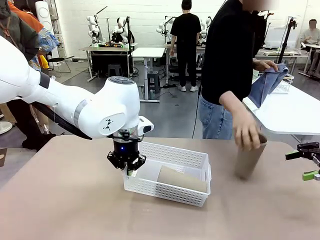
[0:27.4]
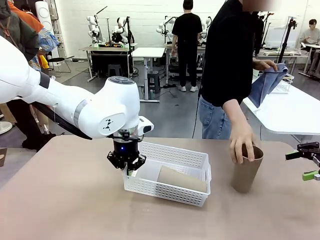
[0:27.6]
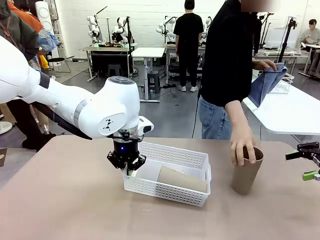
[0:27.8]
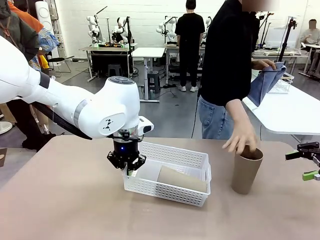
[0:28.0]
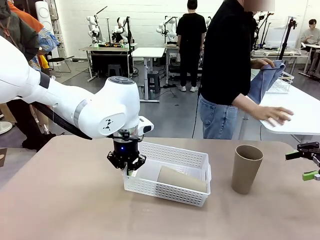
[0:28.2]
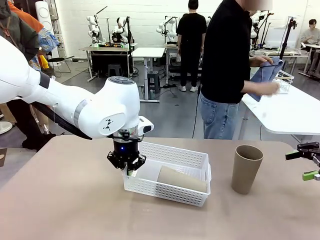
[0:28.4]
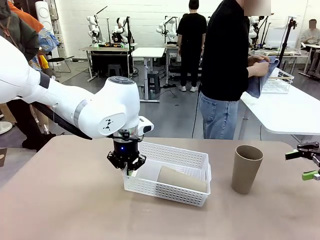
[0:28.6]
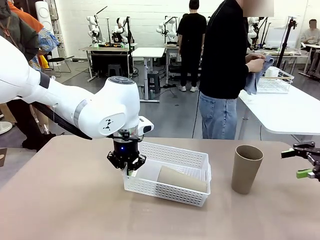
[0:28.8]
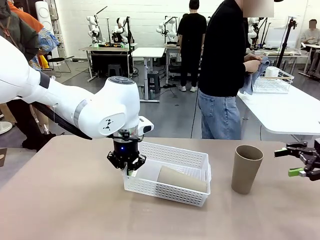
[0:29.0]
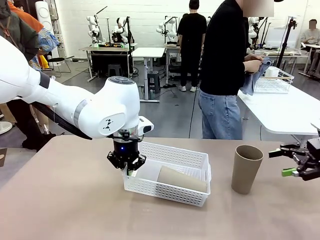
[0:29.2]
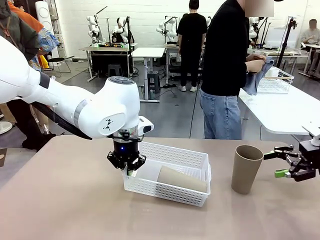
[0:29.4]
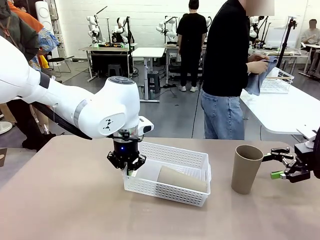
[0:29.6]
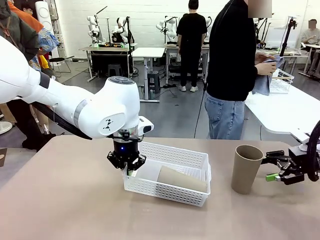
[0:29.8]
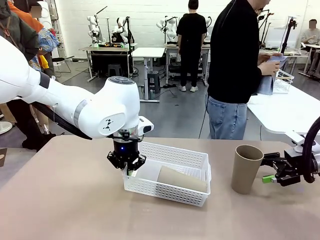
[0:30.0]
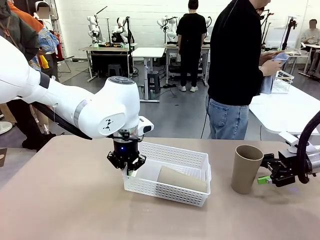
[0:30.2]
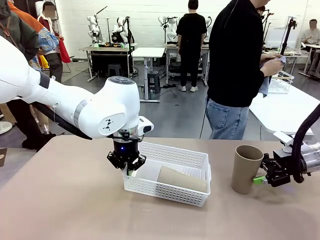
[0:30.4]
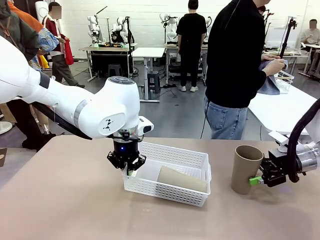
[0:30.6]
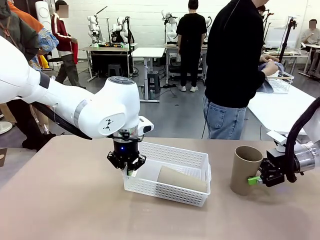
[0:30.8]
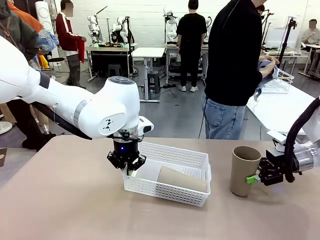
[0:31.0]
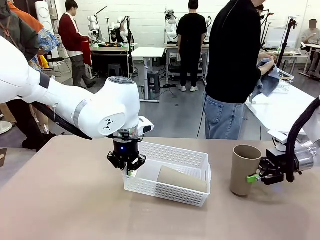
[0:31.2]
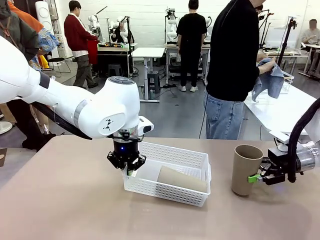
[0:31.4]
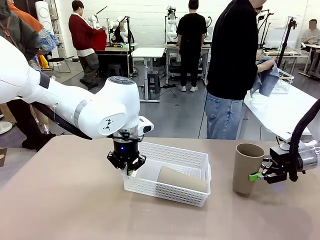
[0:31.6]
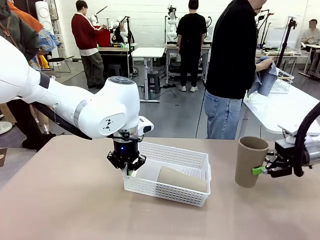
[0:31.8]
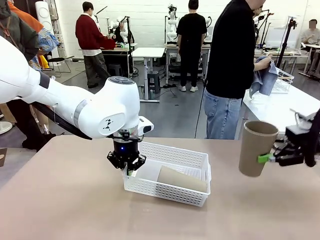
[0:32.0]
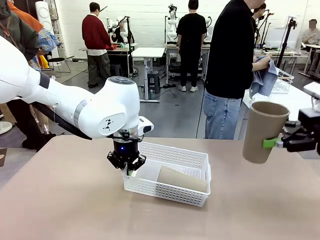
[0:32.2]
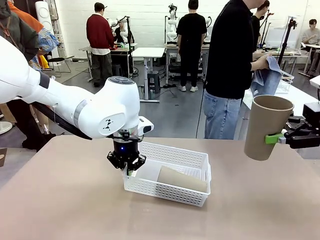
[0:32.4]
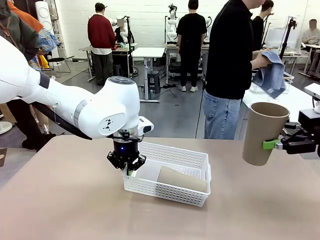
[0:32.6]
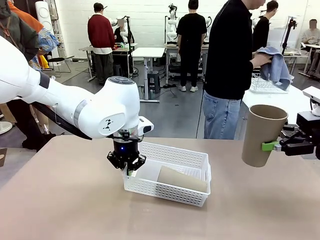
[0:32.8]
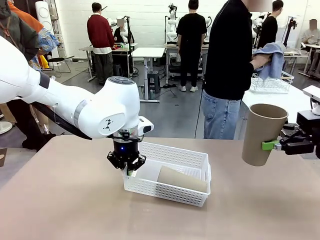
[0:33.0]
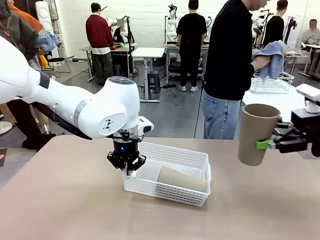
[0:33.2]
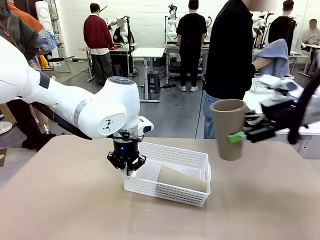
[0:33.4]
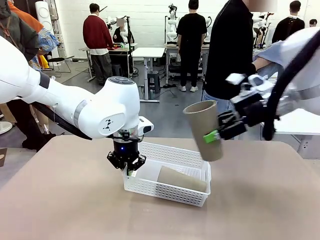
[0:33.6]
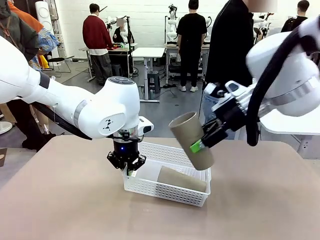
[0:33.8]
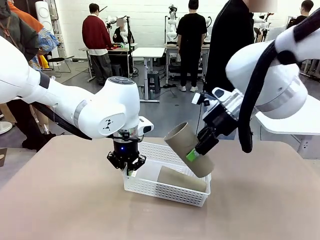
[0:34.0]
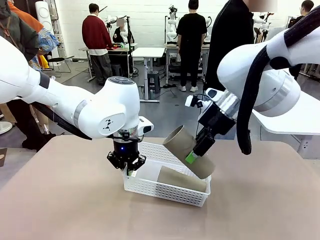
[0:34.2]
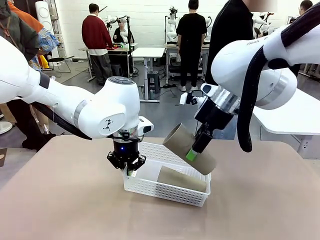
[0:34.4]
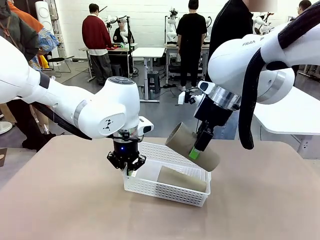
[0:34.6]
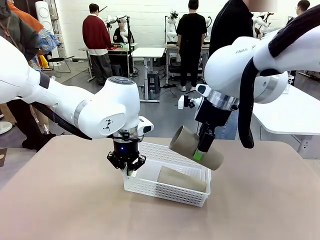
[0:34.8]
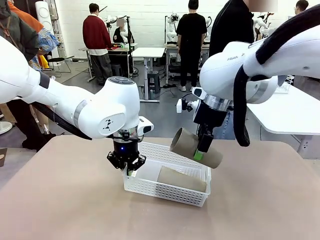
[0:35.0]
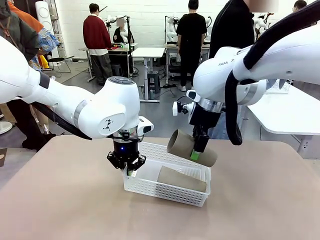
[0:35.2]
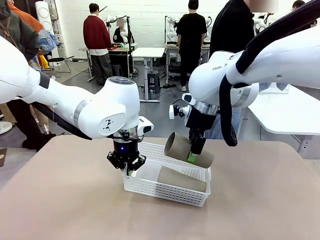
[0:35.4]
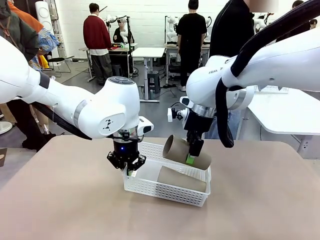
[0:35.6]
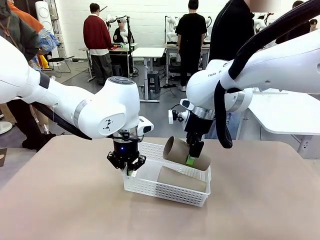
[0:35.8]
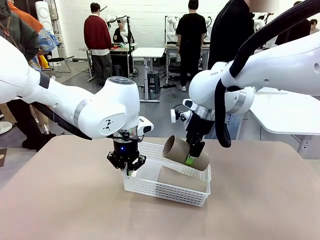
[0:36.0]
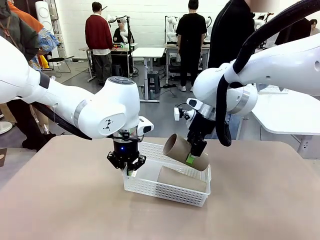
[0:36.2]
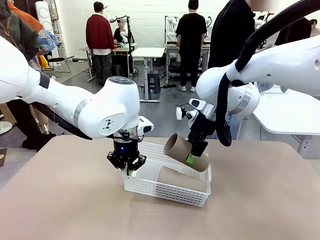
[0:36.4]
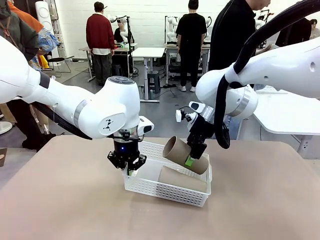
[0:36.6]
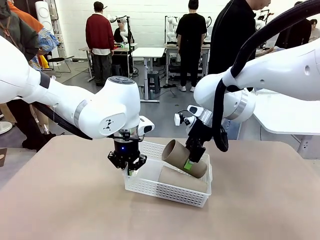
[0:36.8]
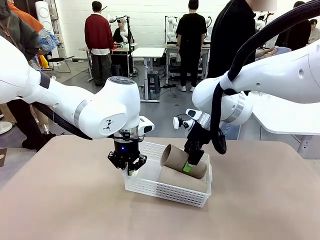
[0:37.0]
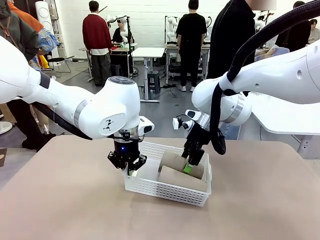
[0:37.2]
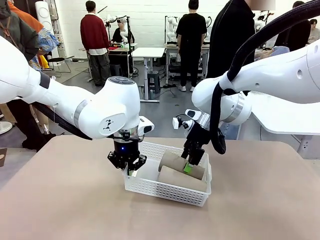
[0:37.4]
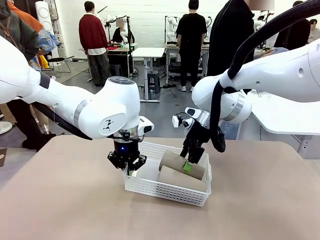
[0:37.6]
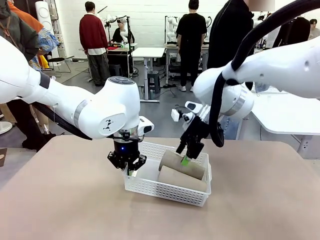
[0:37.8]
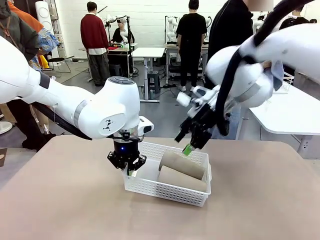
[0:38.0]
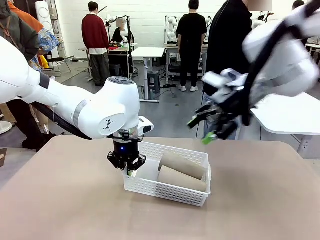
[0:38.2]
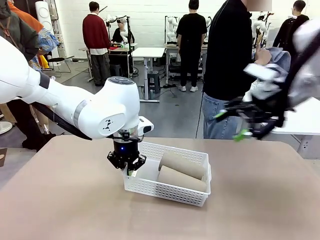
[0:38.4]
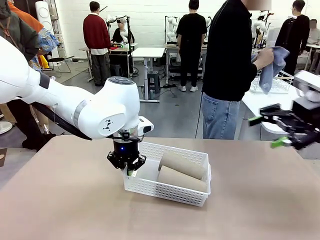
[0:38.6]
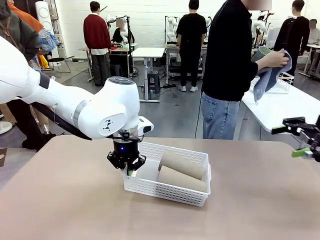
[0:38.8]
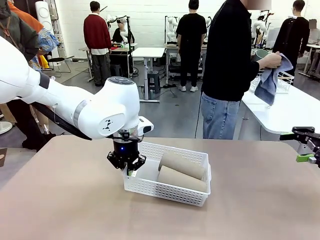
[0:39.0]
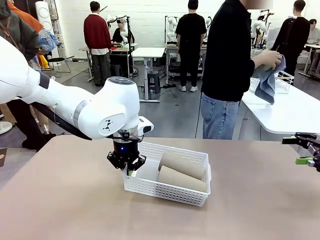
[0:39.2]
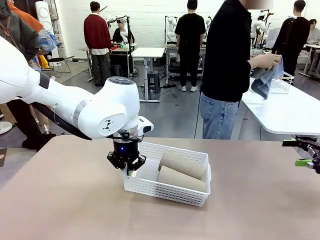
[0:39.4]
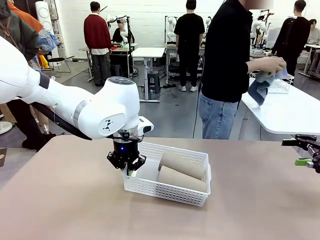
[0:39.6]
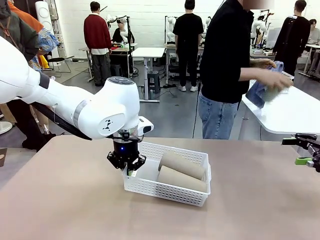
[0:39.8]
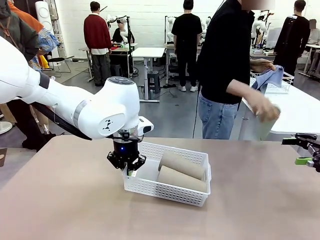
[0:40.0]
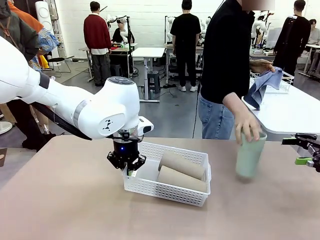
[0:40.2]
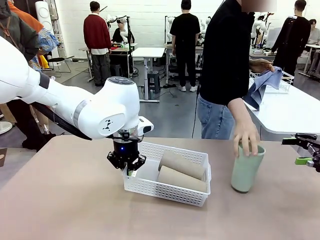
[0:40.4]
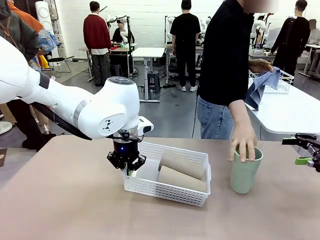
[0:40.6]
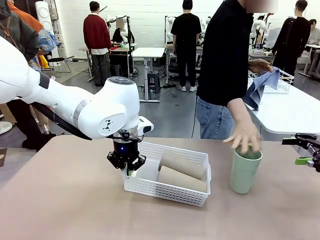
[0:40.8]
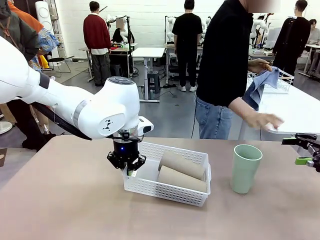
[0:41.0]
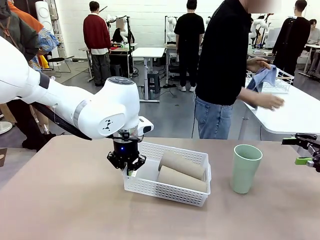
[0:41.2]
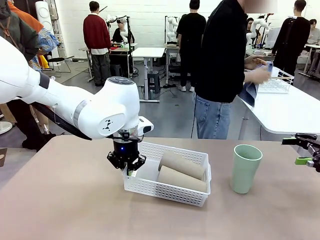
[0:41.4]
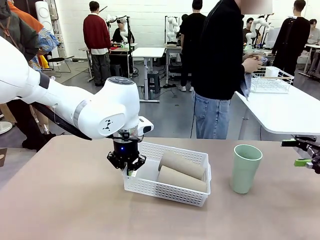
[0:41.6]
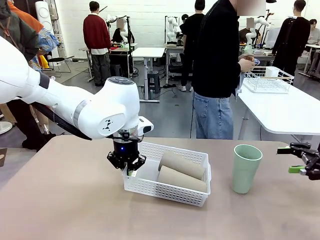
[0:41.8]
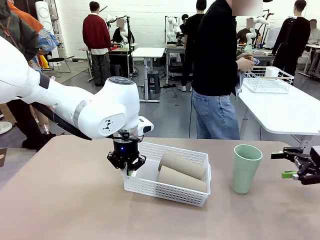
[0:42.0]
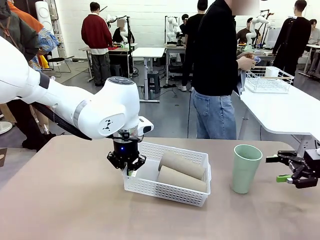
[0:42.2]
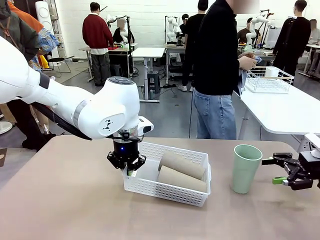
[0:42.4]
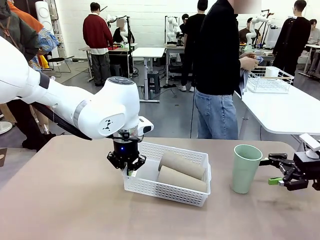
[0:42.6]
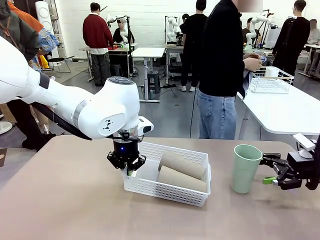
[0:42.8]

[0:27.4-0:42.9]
Task: Clean and organize the cups into the basket.
Robot: Pick up the Reusable plastic cup from the right side of the table and stack it inside the Organizing basket in the center of the table.

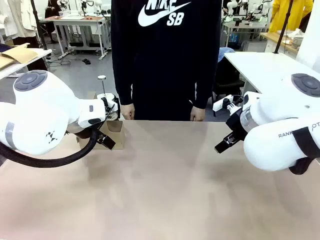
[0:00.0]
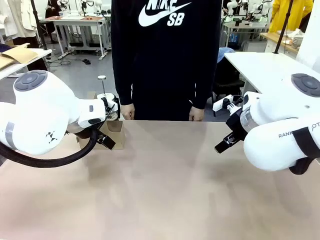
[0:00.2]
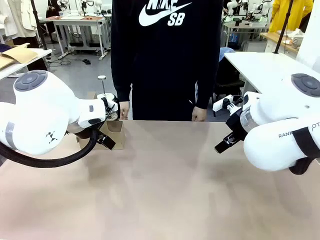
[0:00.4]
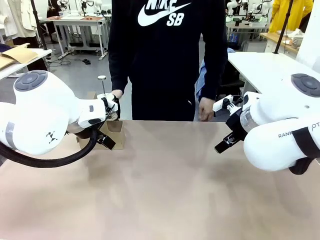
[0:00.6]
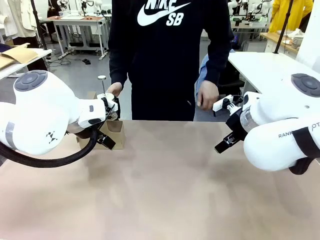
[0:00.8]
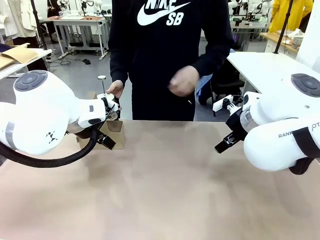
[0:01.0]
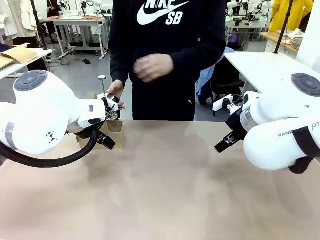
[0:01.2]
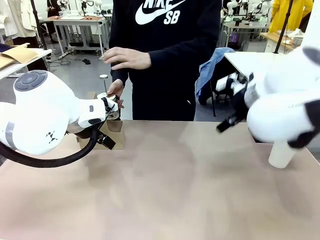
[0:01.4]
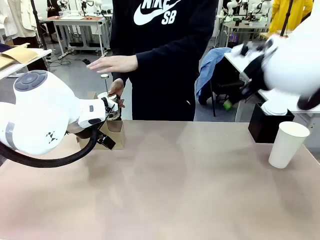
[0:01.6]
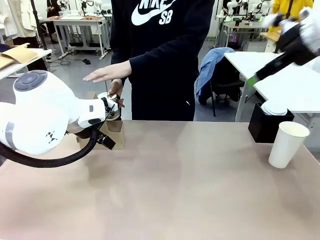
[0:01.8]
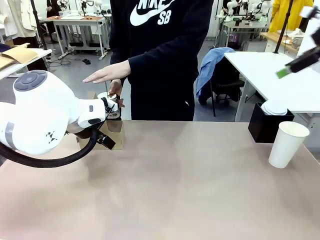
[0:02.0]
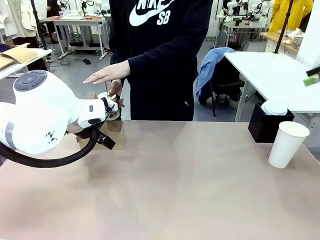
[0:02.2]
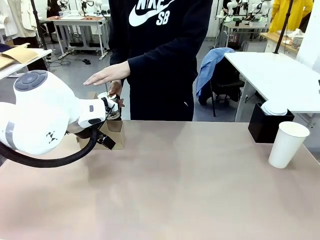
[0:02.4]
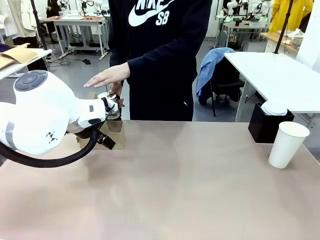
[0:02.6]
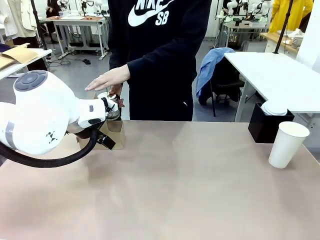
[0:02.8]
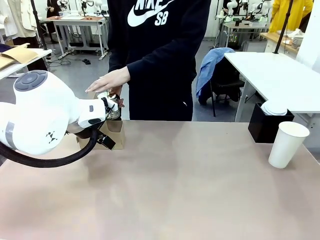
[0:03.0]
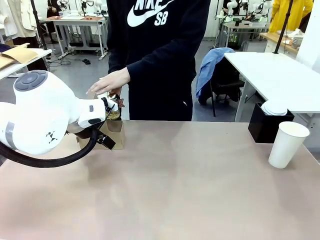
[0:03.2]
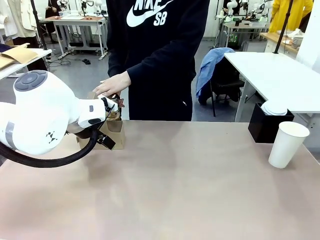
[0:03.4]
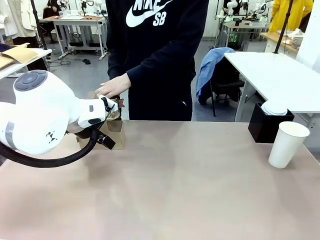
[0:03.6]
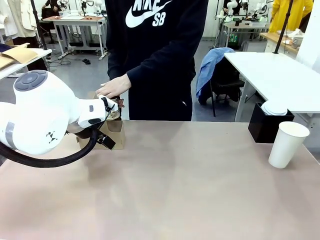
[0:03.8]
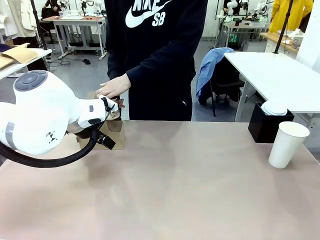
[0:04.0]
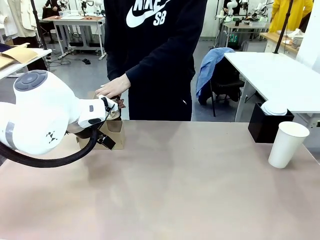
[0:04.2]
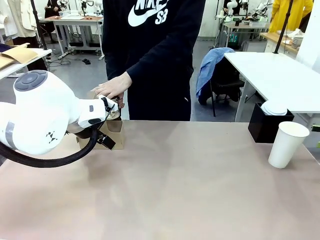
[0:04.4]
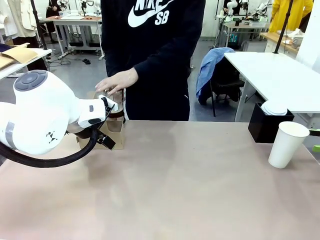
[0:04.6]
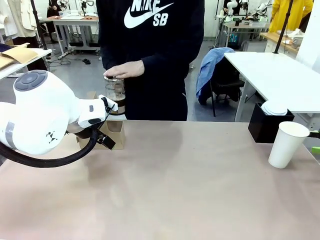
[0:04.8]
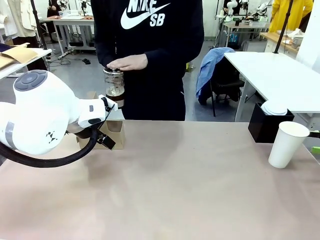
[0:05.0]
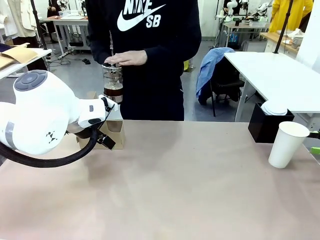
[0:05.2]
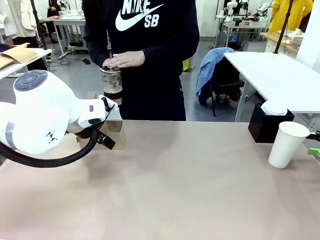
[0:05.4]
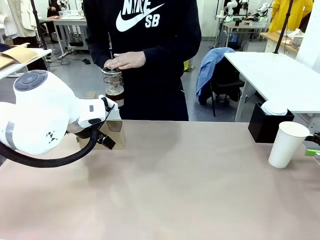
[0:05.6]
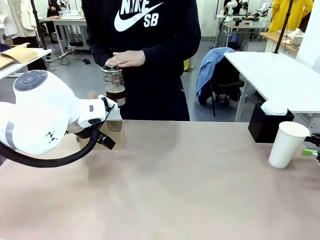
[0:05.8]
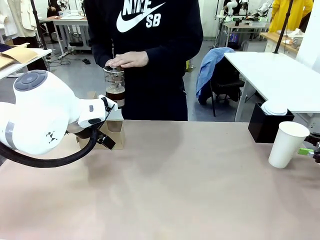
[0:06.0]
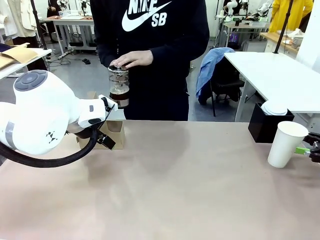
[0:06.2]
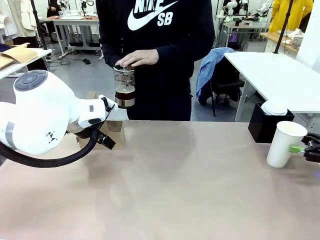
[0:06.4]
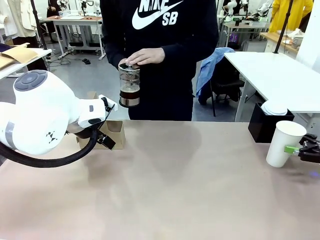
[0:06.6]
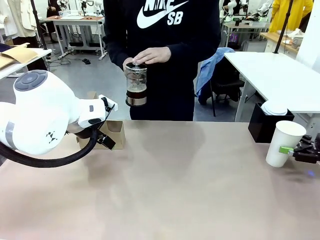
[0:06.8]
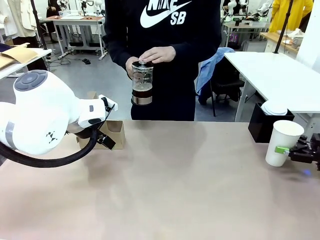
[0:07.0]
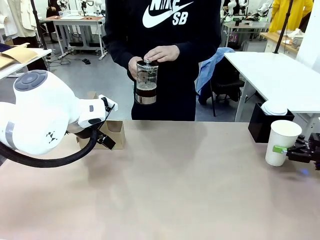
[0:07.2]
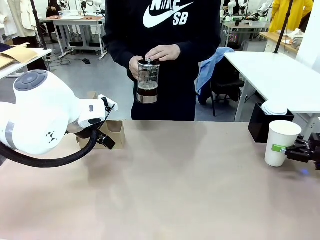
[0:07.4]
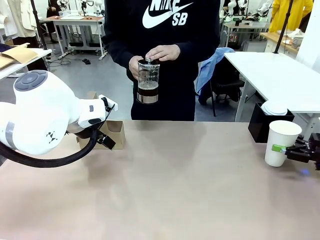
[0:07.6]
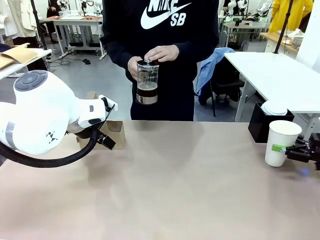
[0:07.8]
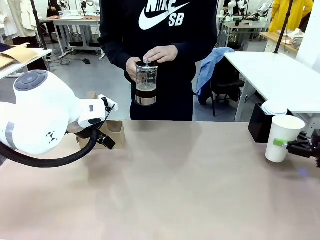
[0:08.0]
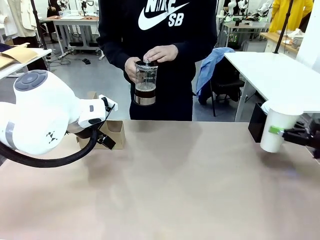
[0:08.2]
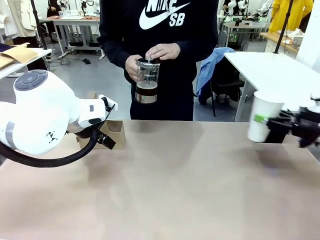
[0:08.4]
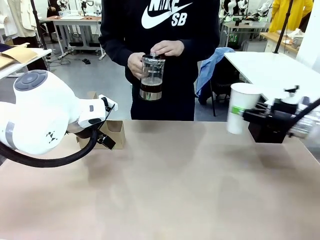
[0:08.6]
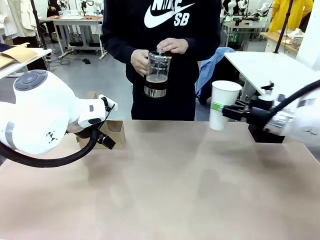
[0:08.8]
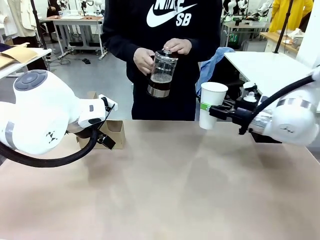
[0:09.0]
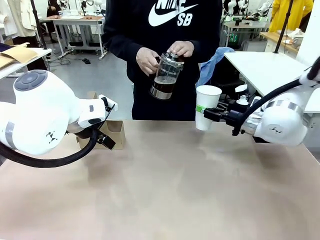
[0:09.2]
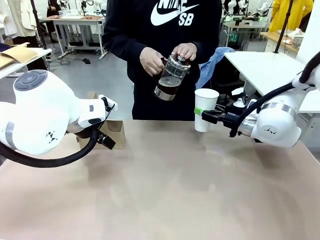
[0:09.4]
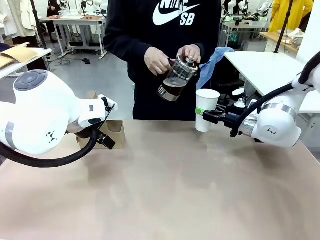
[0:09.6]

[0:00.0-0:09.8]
Task: Pour a drink into a cup and package it in a carrier.
Robot: Pick up the 600 ml Paper Cup and place it in the middle top area of the table.
Person: Press and pick up the Filter Brewing.
